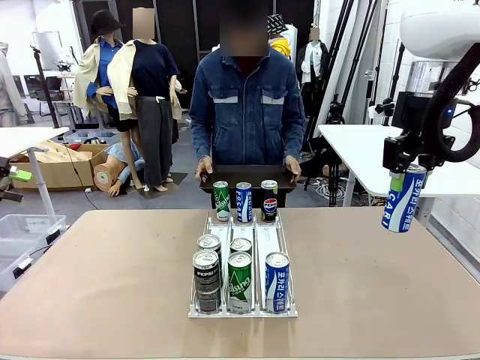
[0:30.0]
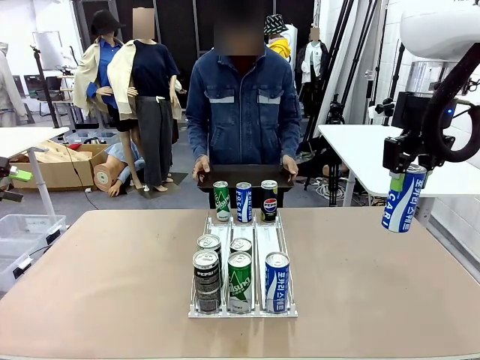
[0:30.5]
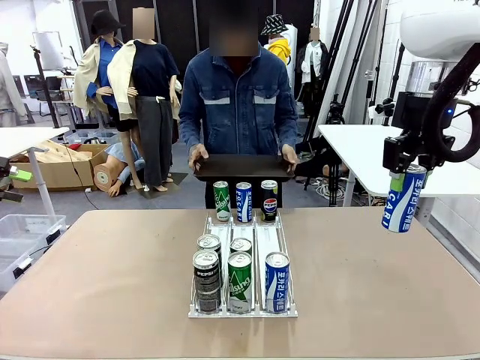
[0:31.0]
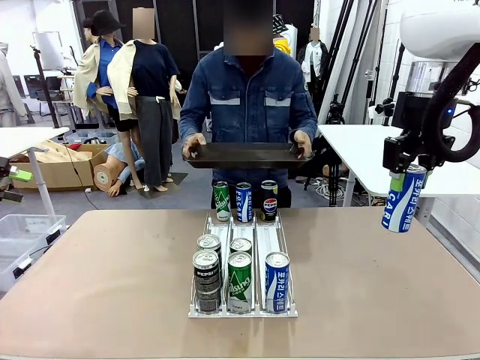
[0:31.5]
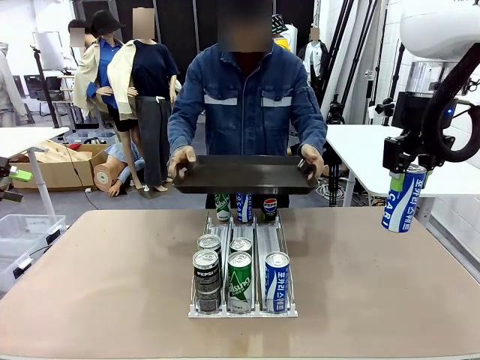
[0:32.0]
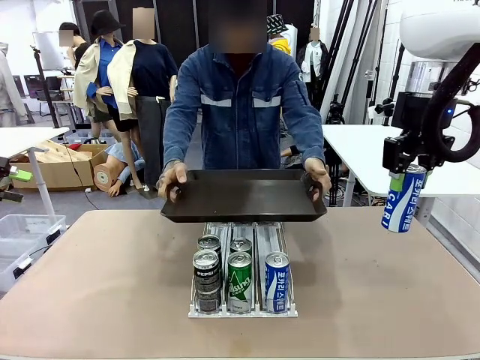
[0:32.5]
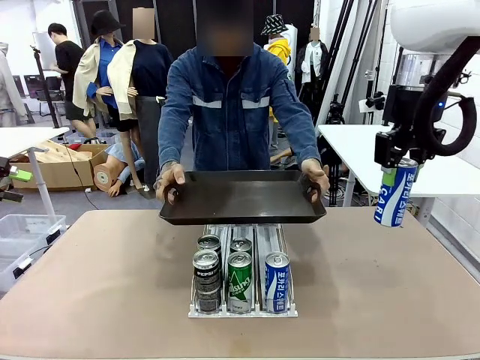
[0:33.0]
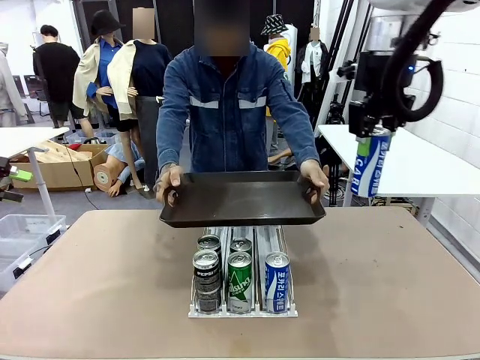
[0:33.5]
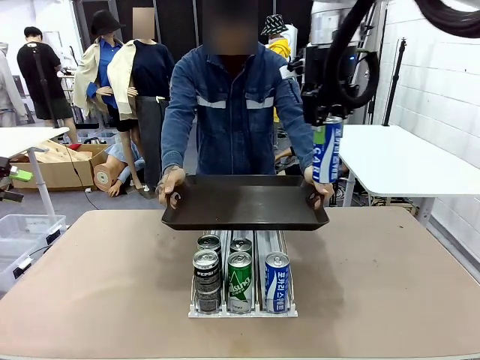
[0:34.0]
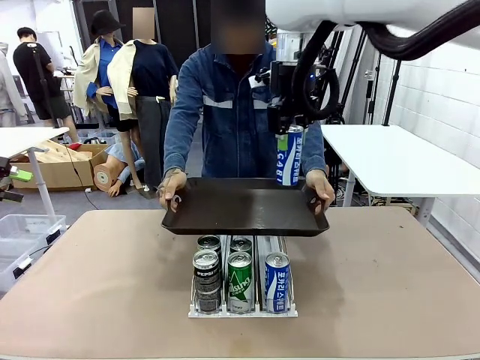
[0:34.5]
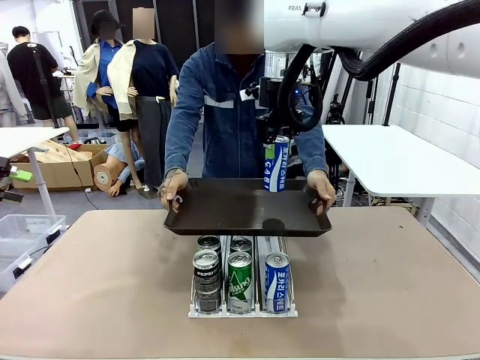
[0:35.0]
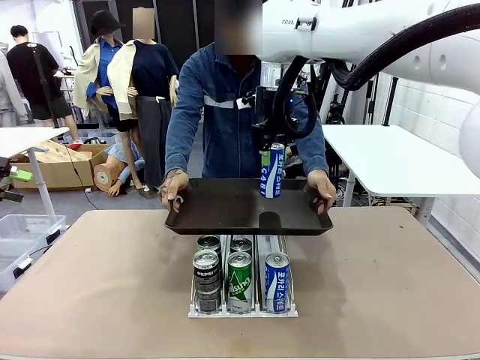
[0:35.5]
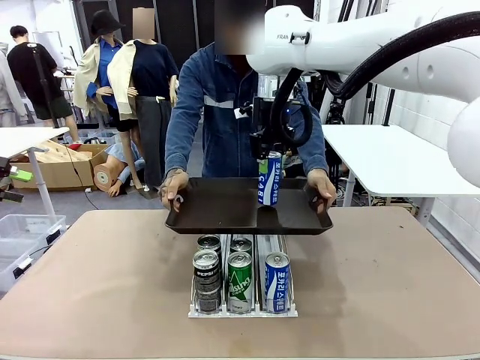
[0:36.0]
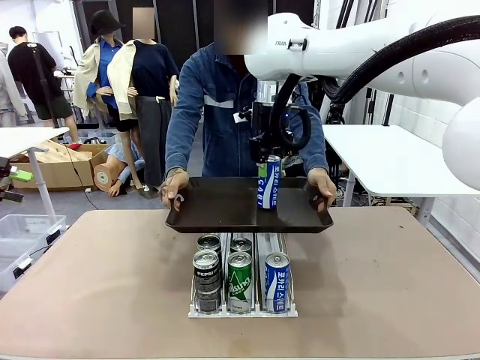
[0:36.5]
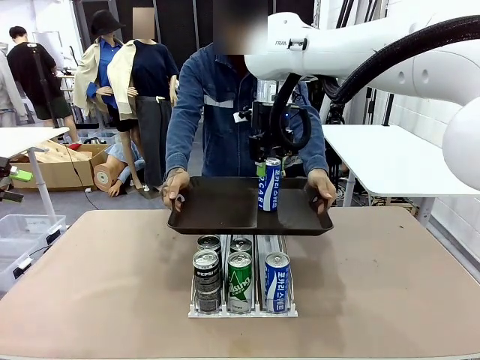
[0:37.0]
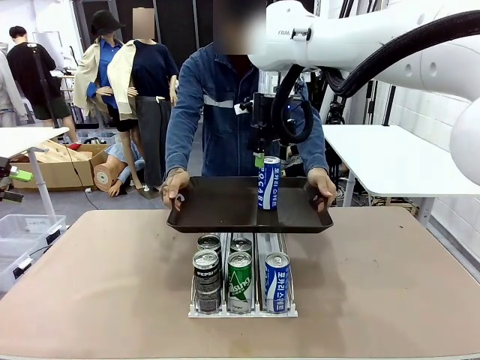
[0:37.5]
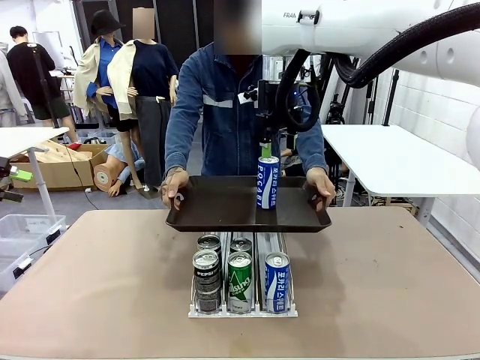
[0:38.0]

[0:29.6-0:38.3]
Task: Retrieve and hand over the desired beverage to the person.
Robot: Place the picked can on the Handle tray extended by the person.

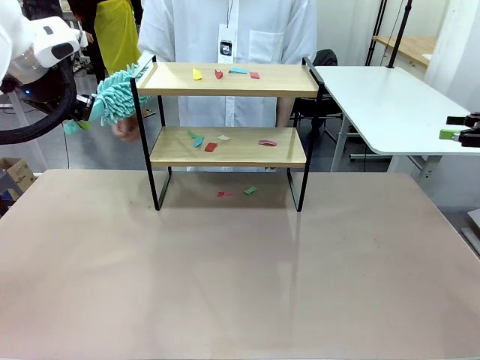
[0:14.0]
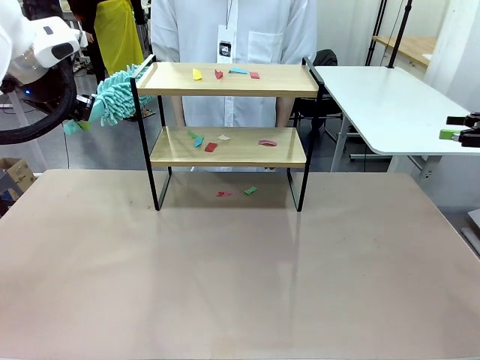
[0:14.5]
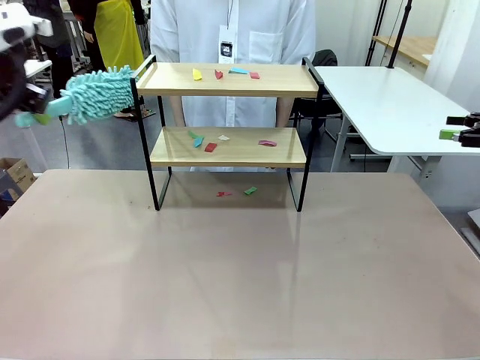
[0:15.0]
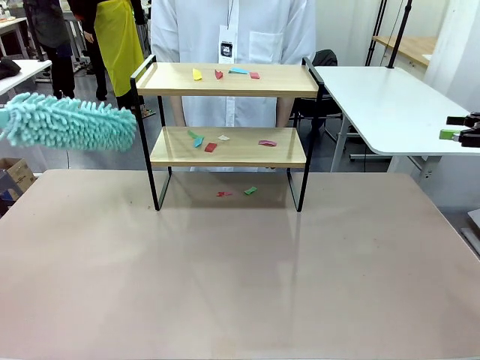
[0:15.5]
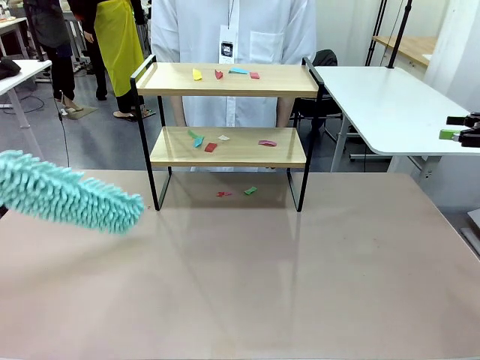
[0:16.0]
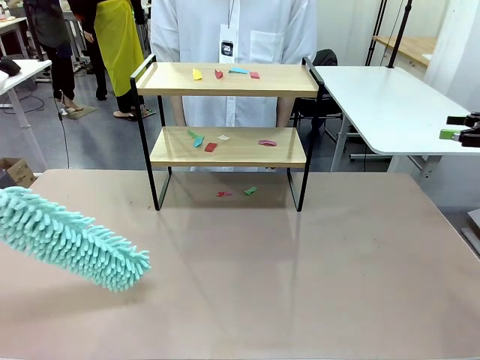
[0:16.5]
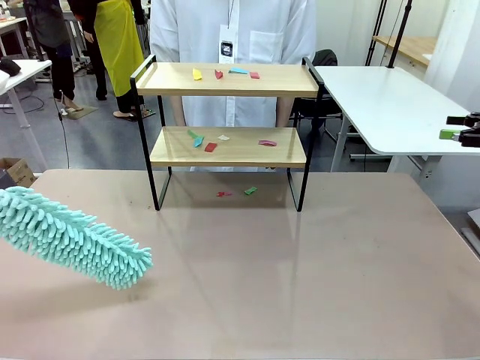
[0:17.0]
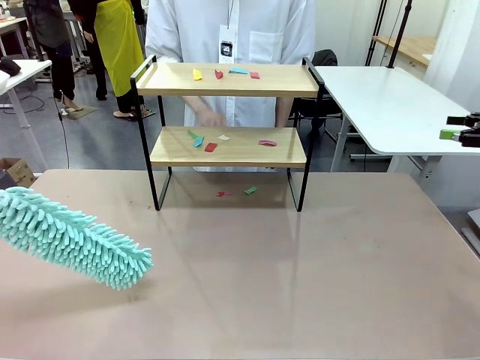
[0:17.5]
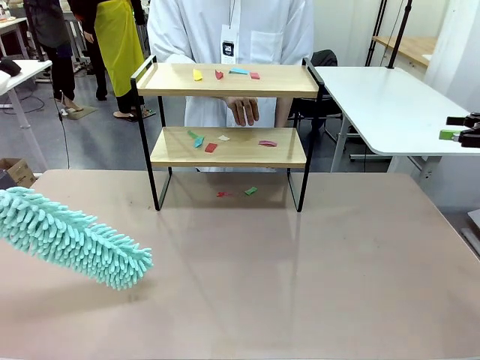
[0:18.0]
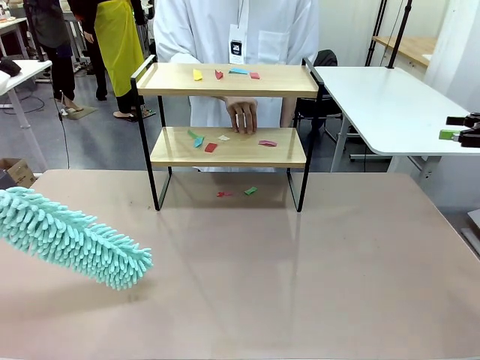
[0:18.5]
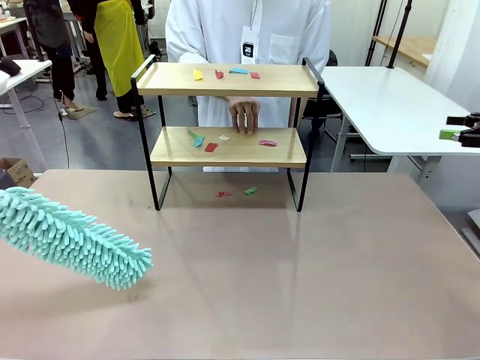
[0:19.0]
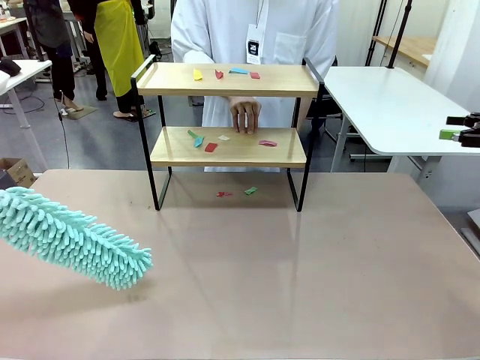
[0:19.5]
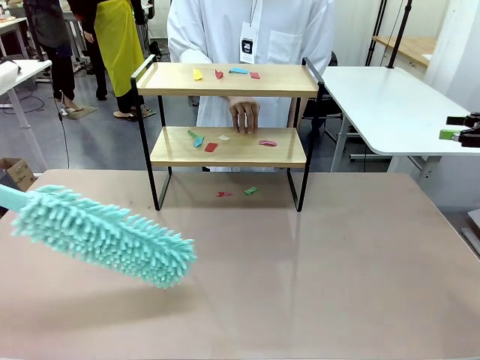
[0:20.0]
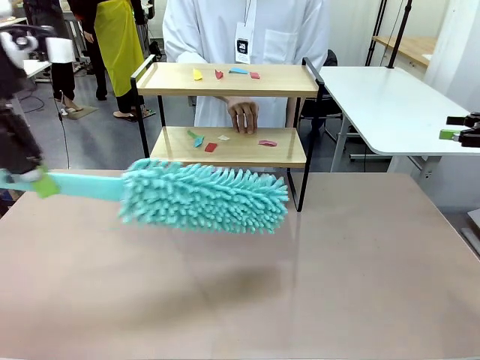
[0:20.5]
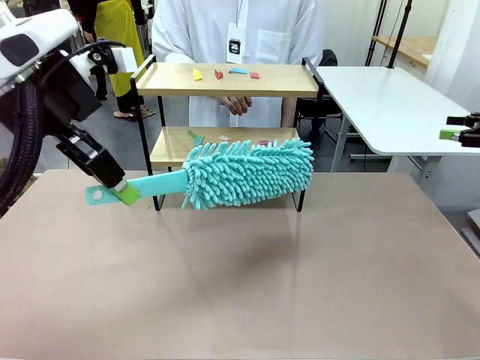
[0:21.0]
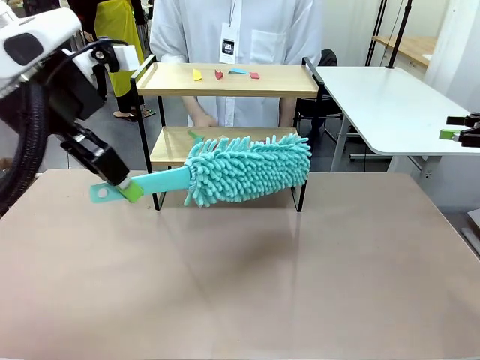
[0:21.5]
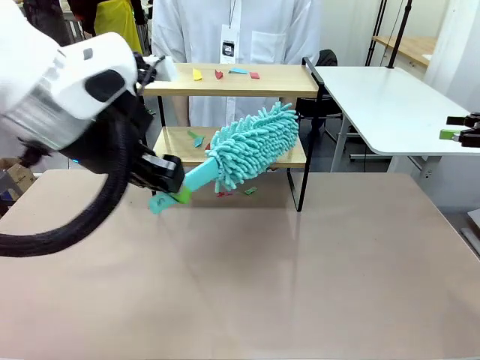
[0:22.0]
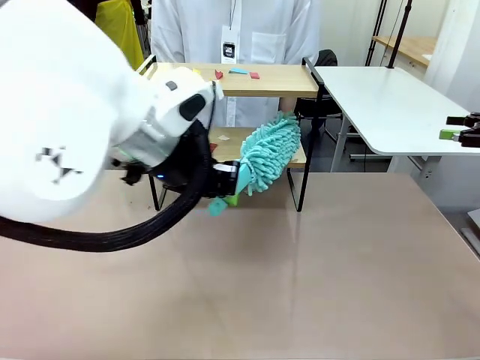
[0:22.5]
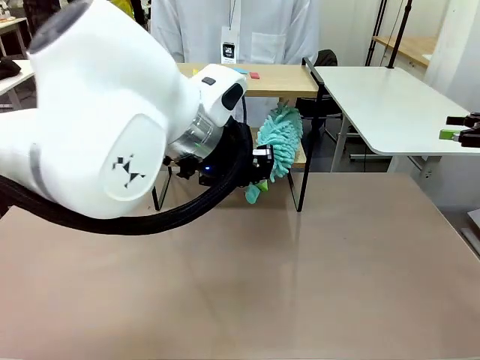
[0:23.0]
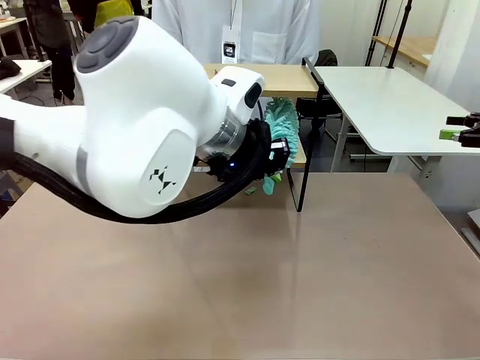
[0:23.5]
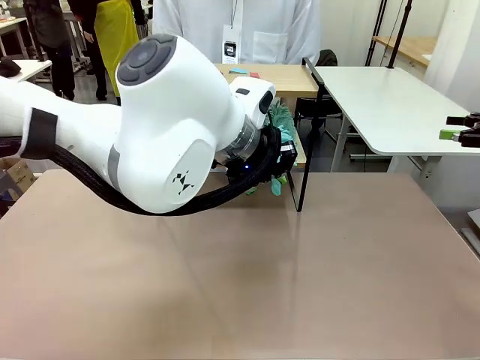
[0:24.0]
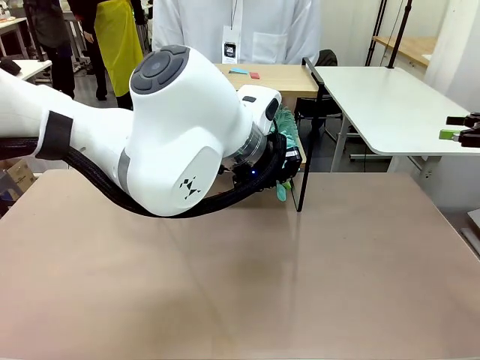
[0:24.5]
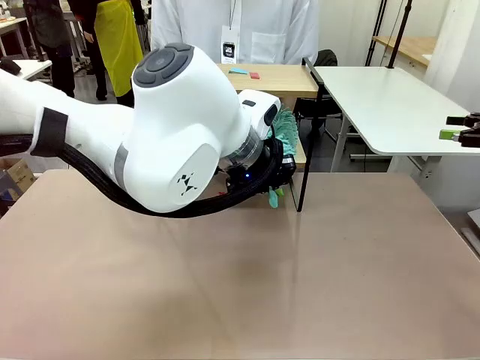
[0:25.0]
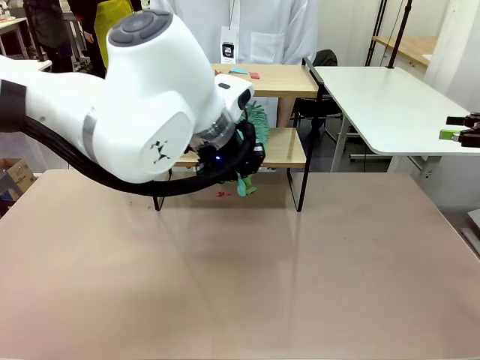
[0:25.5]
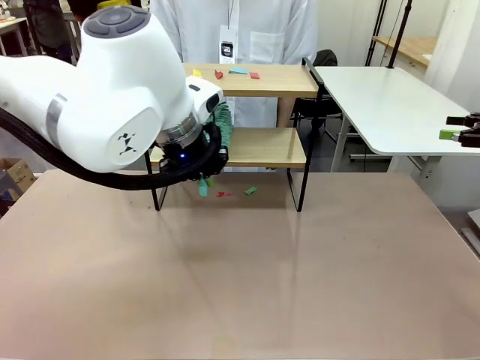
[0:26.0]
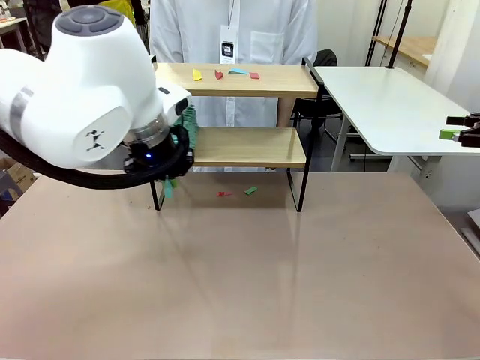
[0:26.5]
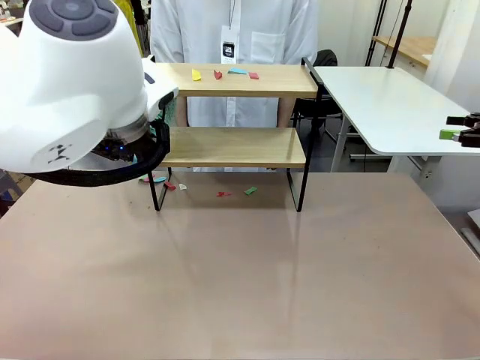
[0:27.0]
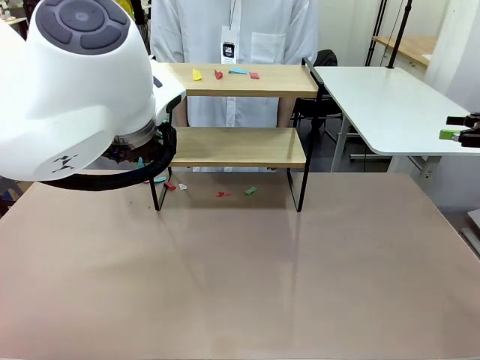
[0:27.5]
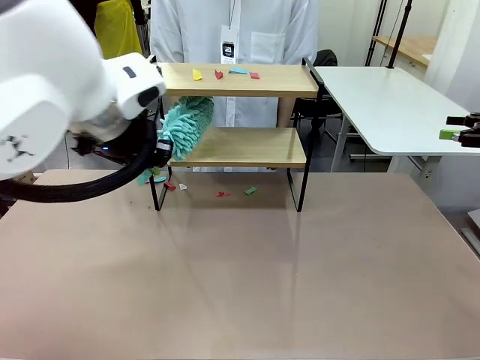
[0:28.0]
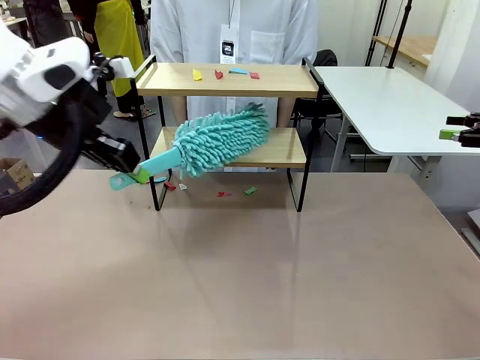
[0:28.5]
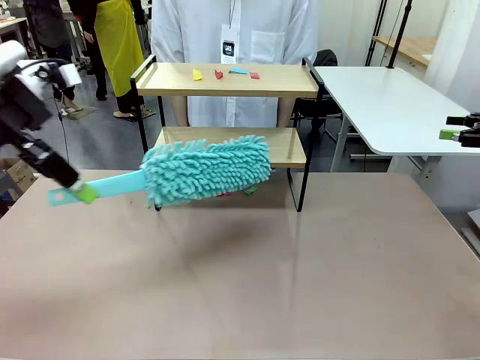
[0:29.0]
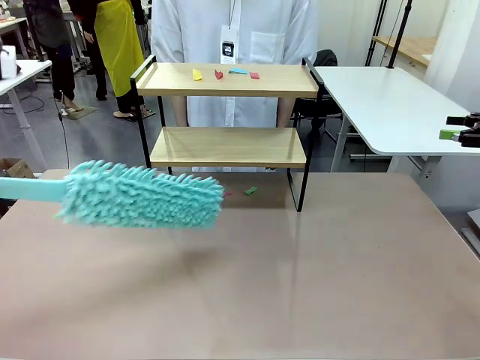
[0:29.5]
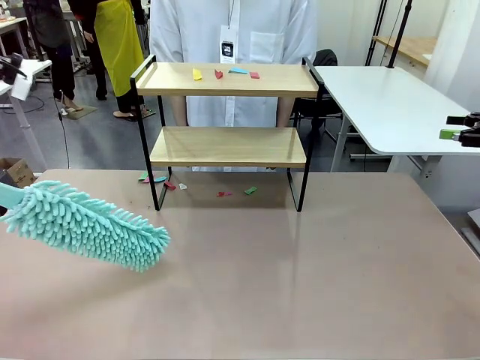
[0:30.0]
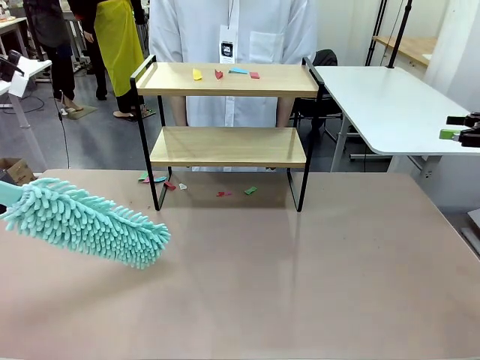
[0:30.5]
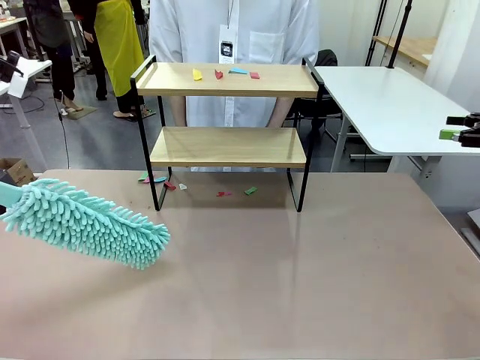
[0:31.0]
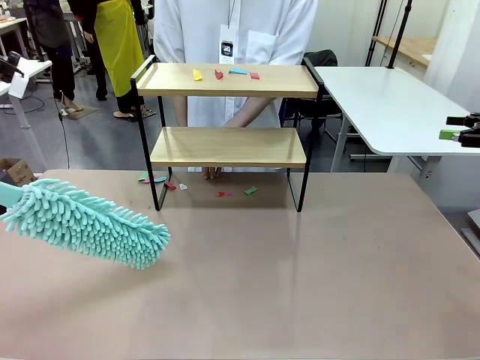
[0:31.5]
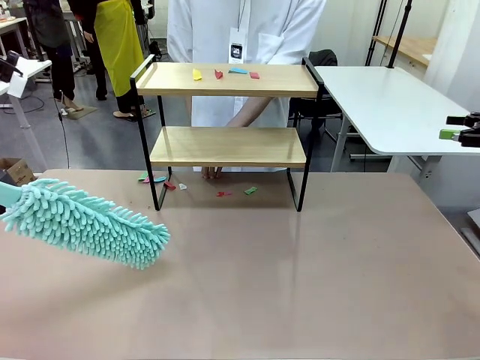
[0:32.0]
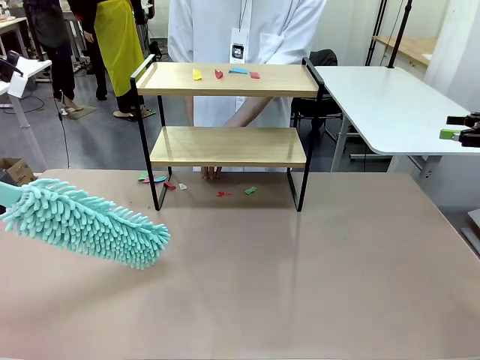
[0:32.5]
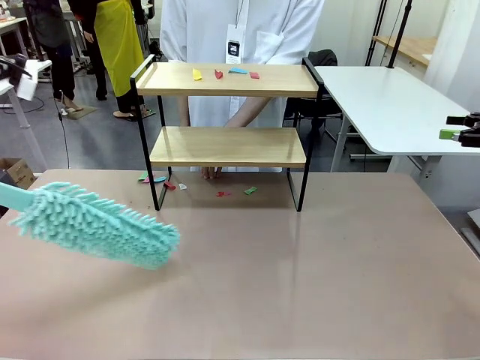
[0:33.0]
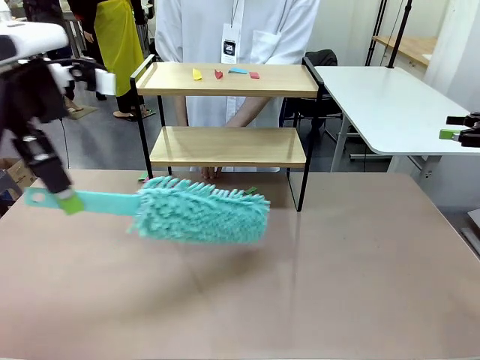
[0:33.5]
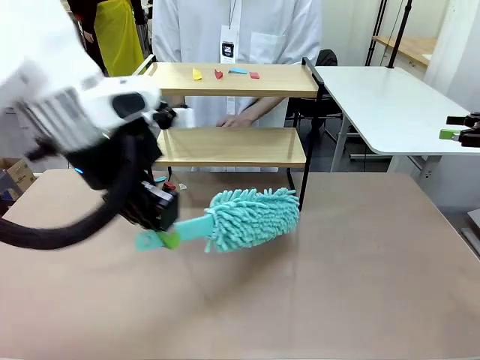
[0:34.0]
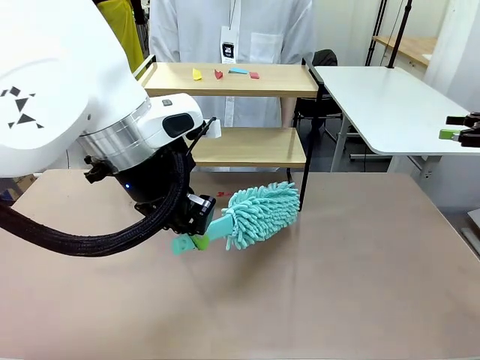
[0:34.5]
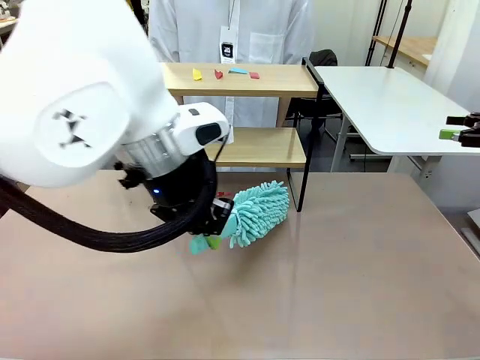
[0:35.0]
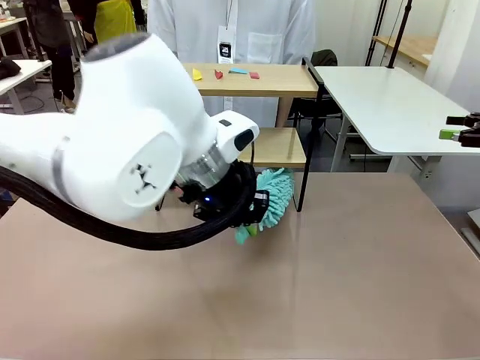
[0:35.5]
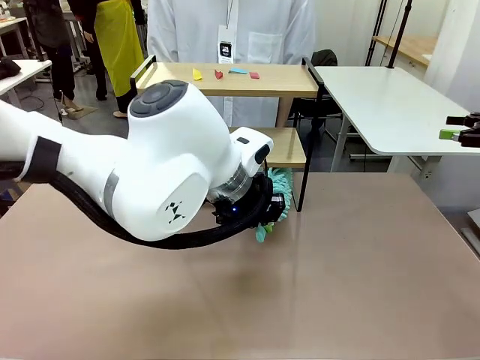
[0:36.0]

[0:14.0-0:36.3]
Task: Clean the shelf.
Robot: Clean the specific section of the Shelf indicated by the human with the Duster.
Person: Point a random section of the Shelf.
